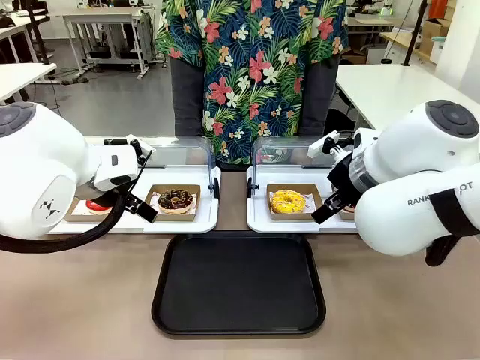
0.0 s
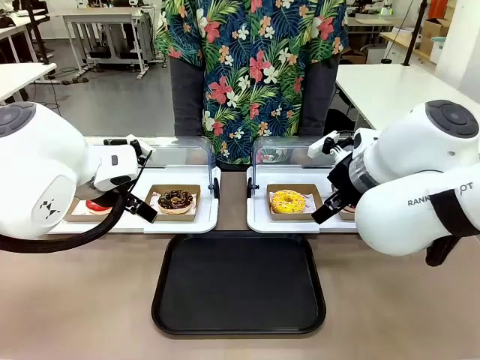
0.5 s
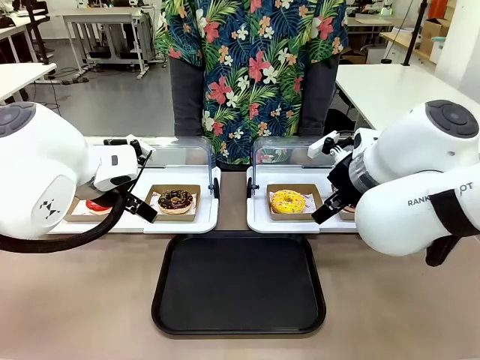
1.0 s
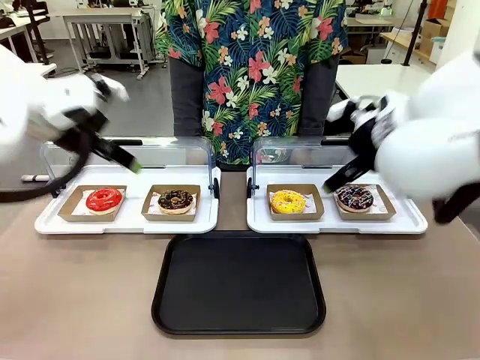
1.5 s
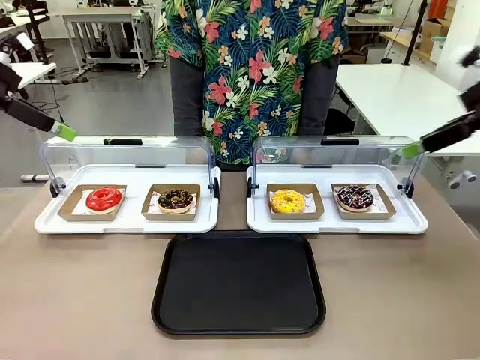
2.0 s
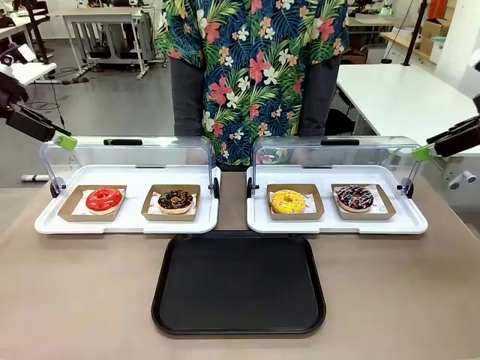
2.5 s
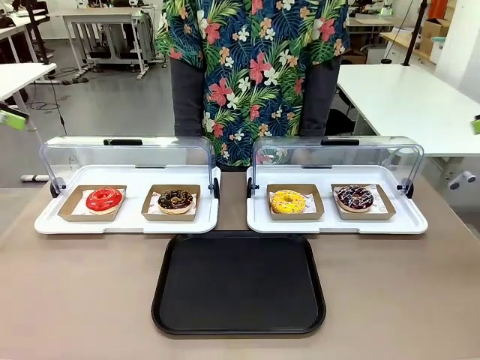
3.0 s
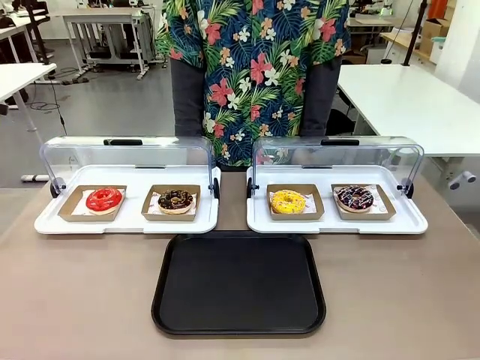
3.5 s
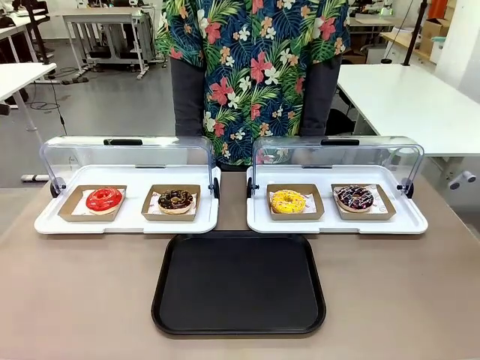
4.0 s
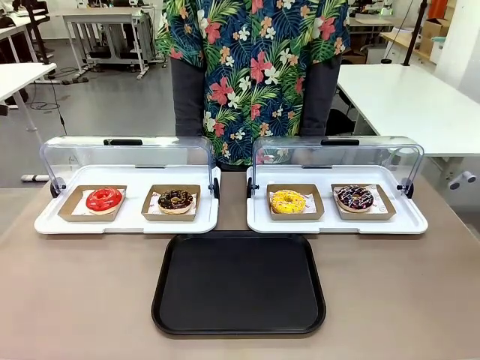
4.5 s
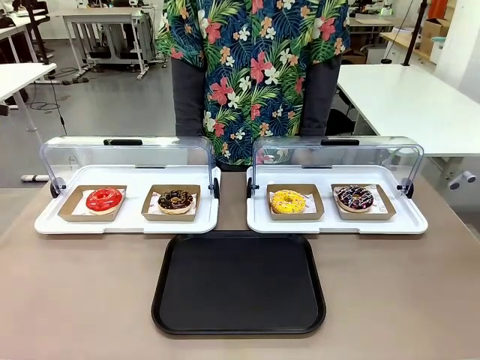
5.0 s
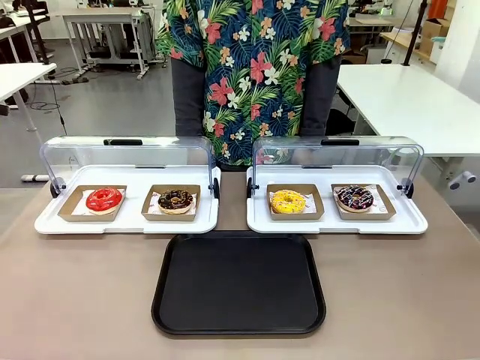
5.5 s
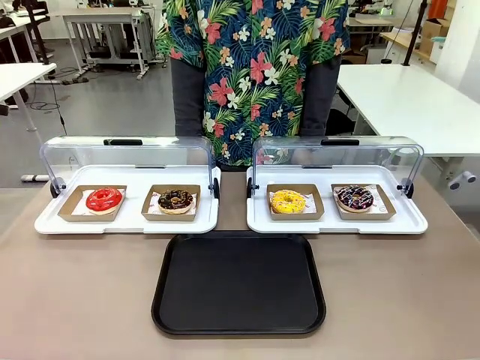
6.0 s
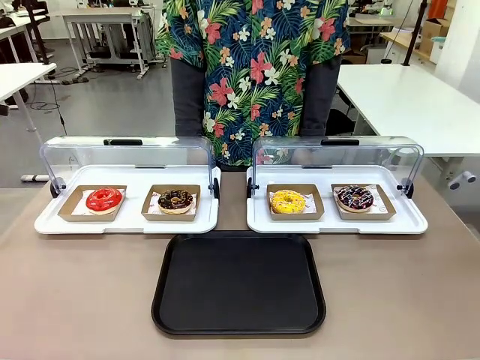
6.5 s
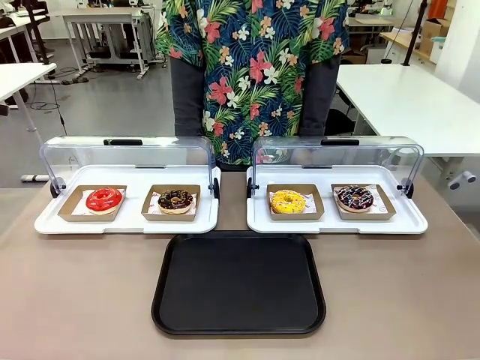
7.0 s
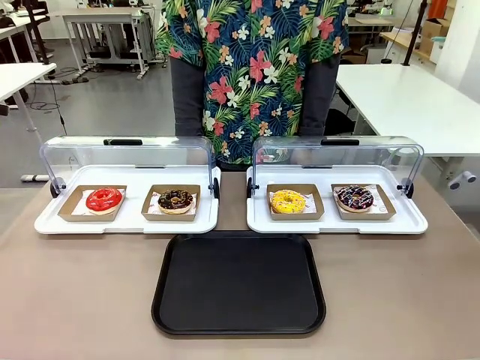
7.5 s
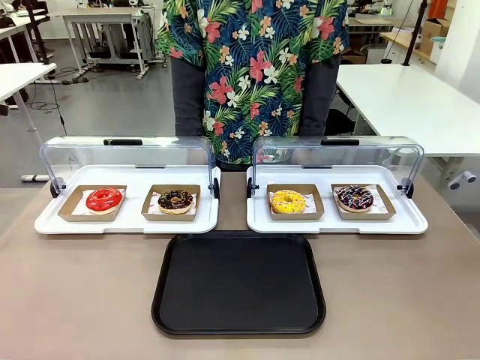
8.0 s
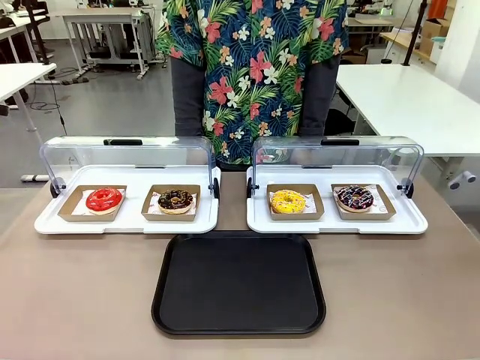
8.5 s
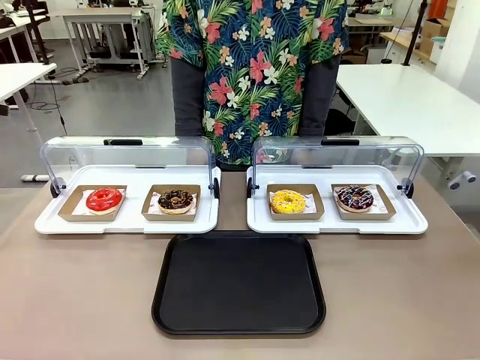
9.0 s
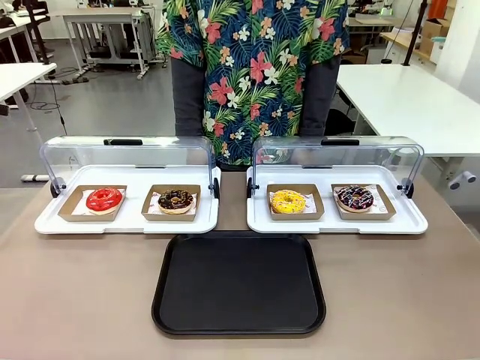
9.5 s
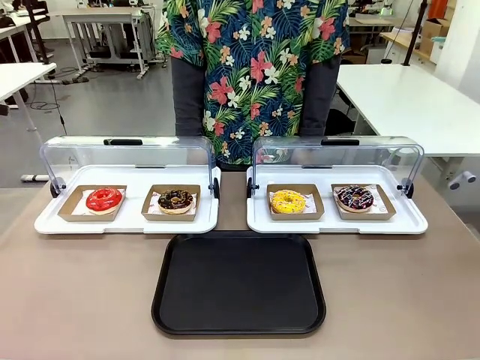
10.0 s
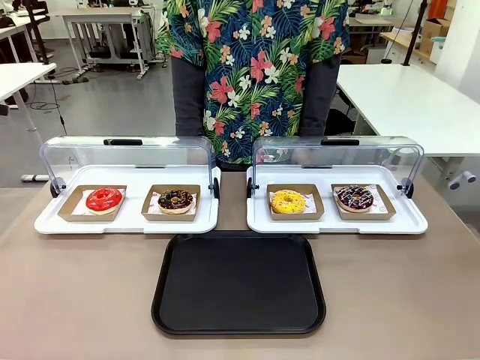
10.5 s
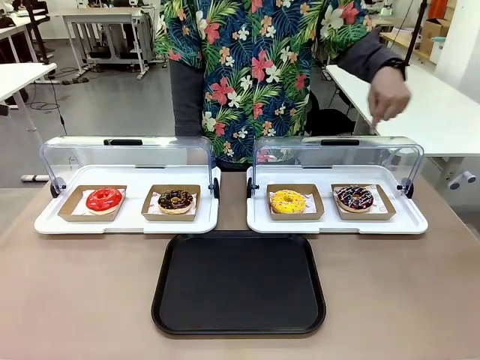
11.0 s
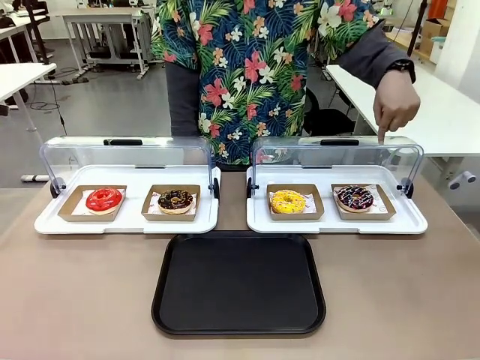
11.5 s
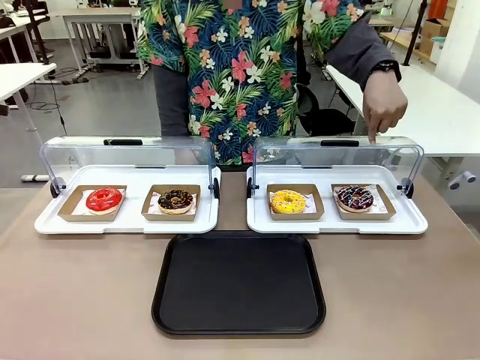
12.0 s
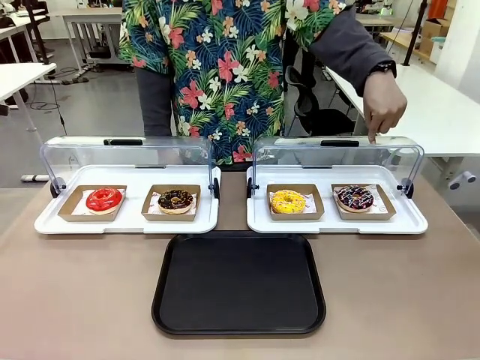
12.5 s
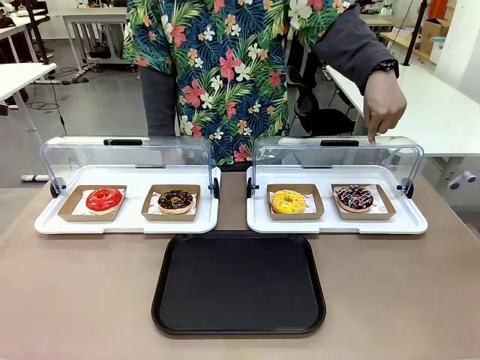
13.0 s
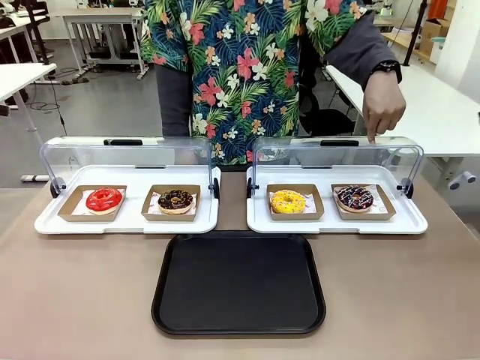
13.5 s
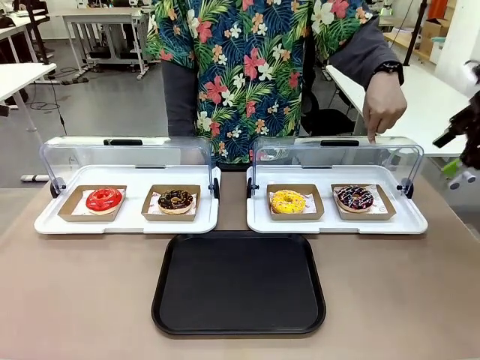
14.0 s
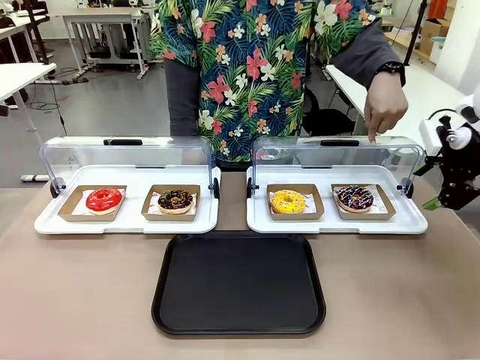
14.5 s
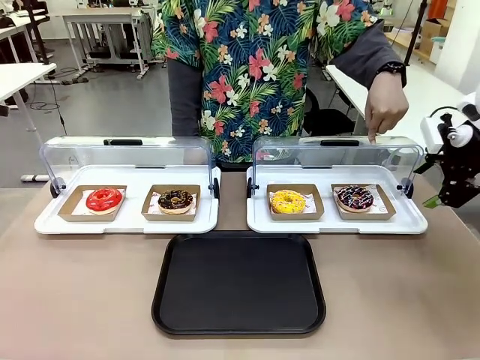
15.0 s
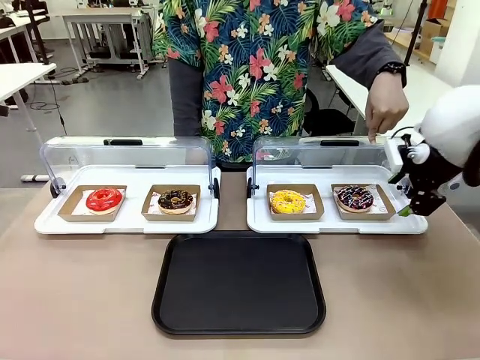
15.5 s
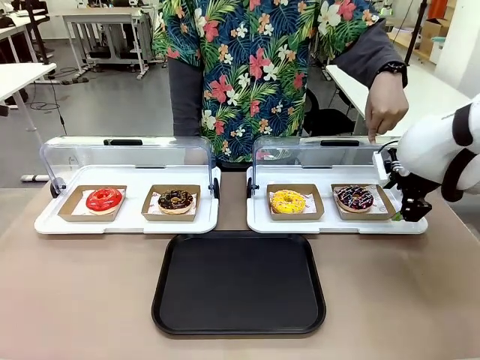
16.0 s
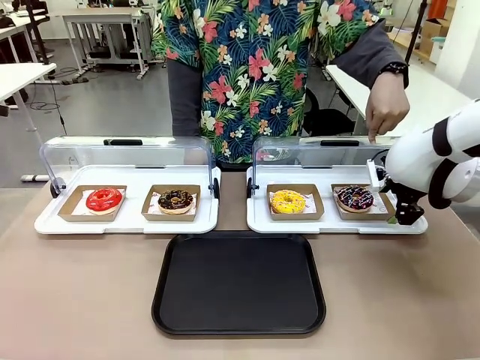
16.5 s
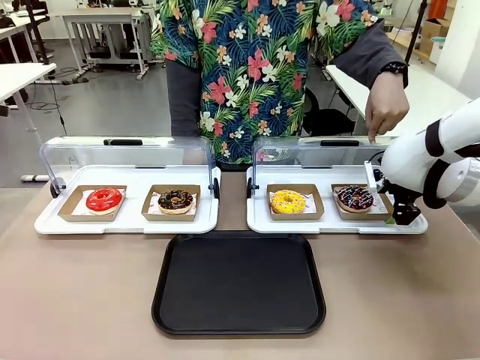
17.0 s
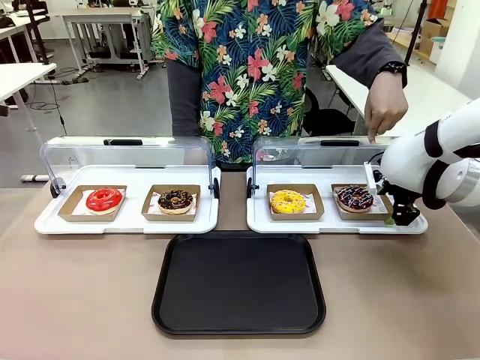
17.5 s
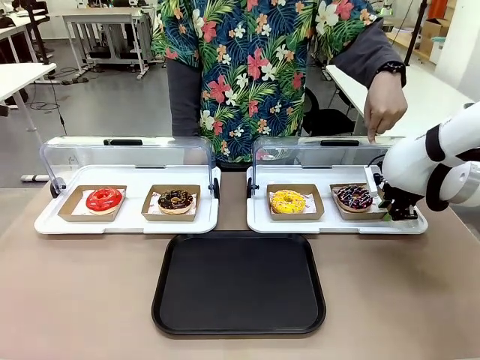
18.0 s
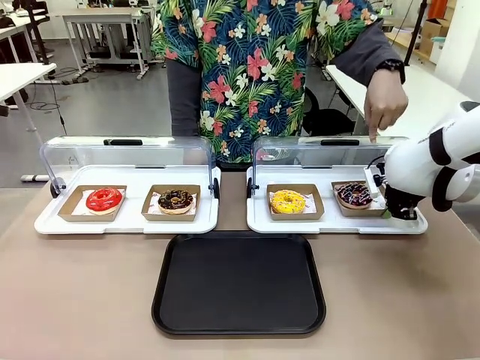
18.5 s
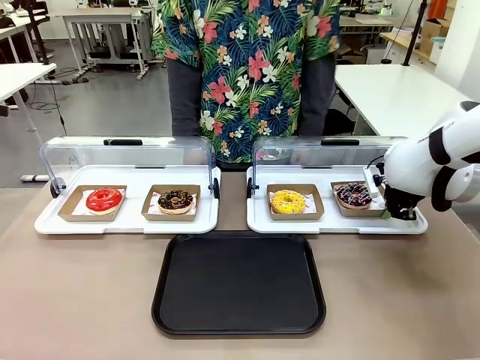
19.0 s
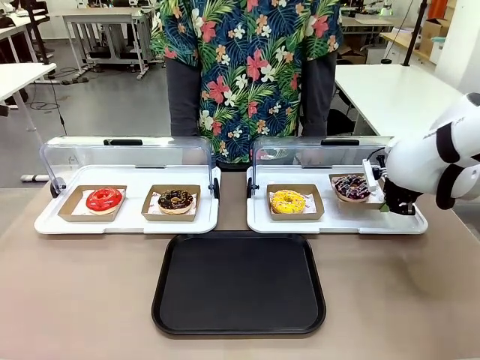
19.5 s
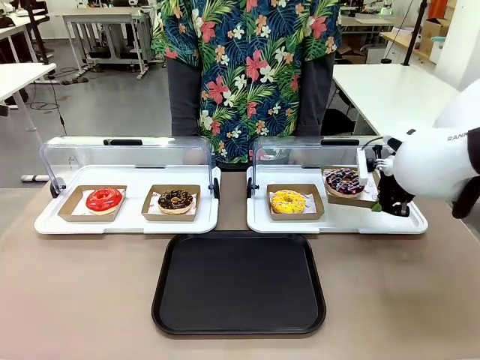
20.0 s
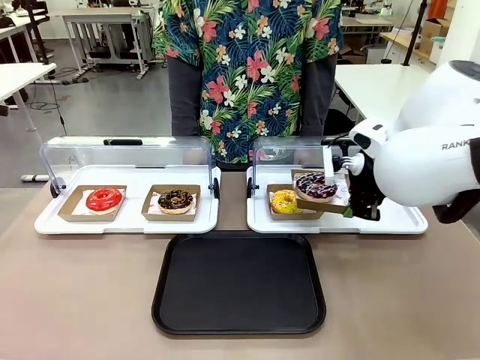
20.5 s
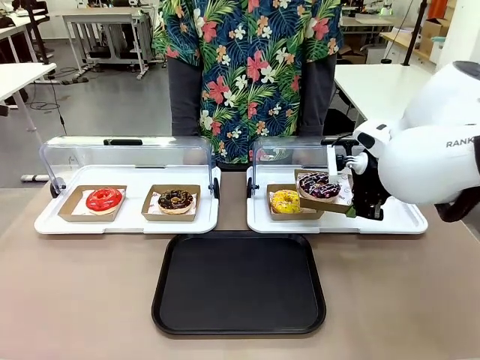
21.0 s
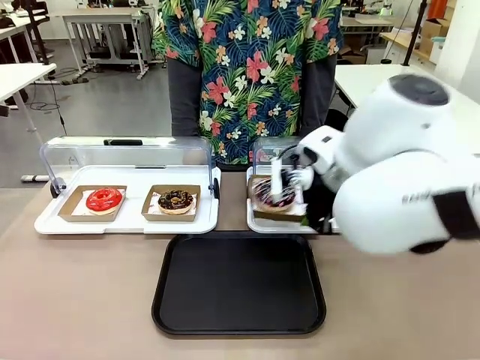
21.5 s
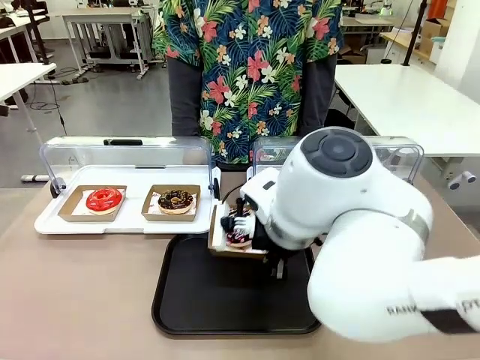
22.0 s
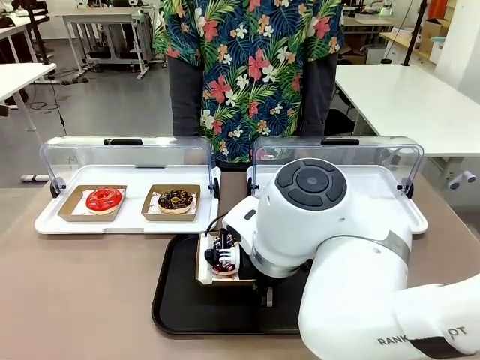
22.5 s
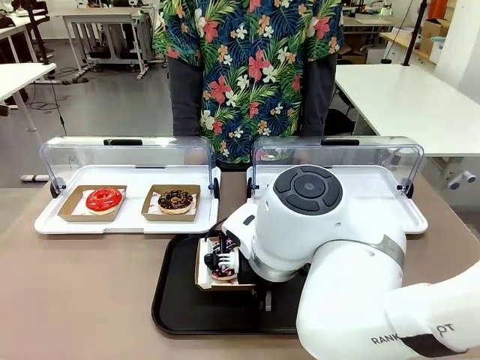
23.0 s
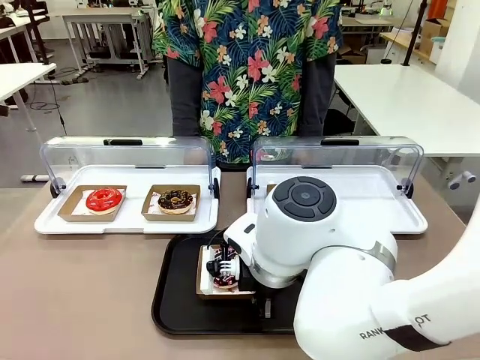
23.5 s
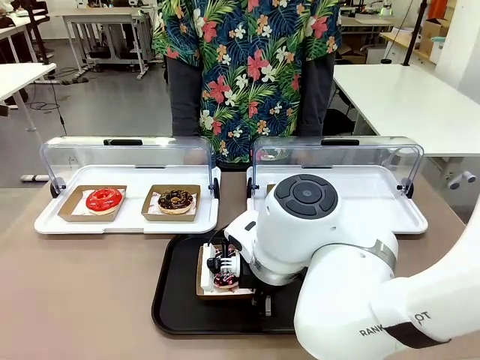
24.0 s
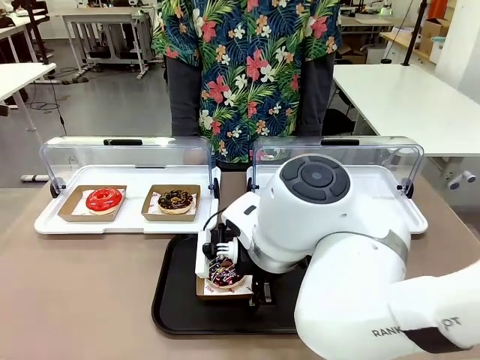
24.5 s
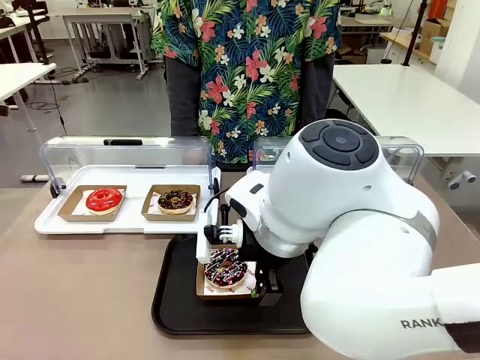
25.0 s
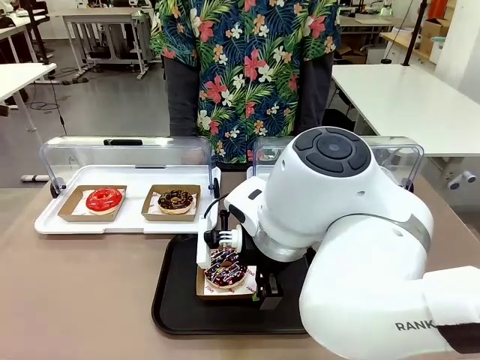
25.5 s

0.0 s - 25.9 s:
Task: Move the fourth donut from the left to the tray.
Robot: Pick up the Paper togo box containing the Donut indicated by the person and place it on the Handle tray.
Person: Points to the fourth donut from the left from the robot’s perspective.
